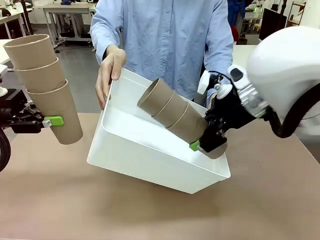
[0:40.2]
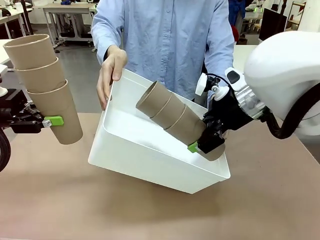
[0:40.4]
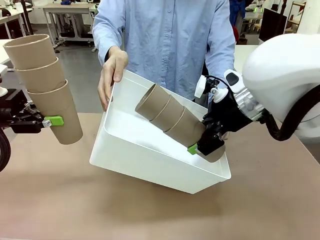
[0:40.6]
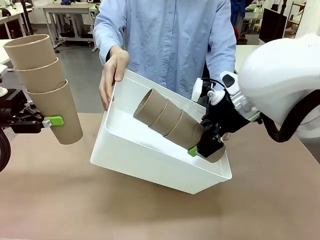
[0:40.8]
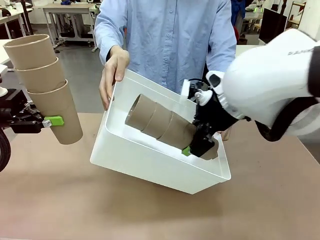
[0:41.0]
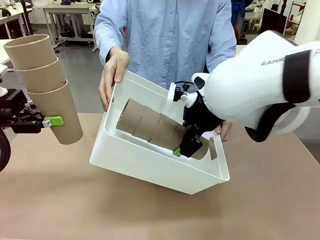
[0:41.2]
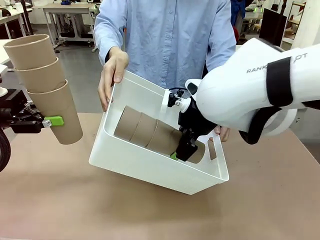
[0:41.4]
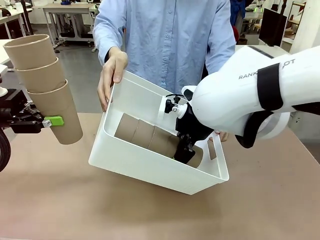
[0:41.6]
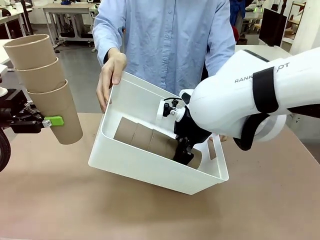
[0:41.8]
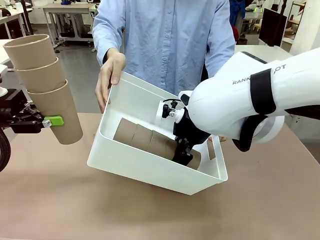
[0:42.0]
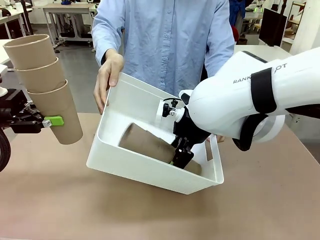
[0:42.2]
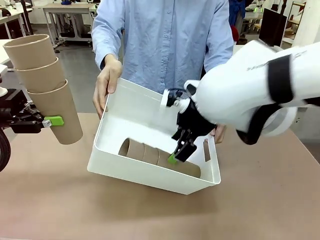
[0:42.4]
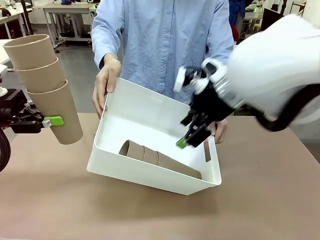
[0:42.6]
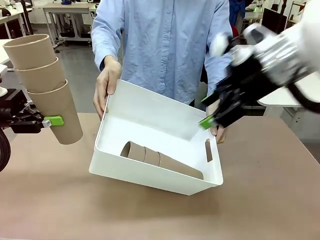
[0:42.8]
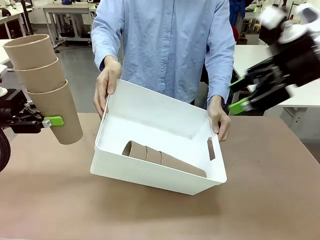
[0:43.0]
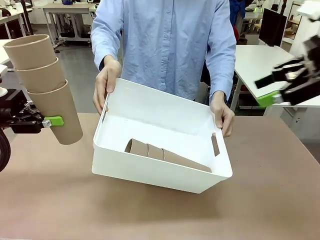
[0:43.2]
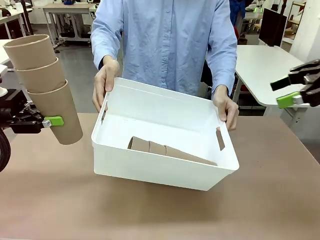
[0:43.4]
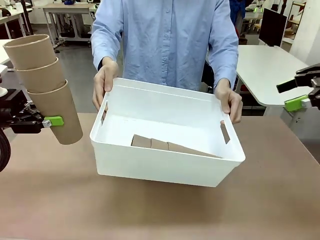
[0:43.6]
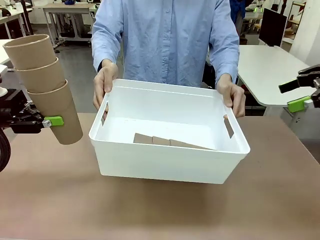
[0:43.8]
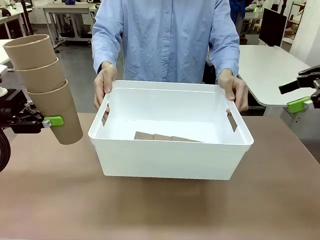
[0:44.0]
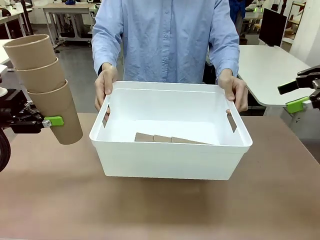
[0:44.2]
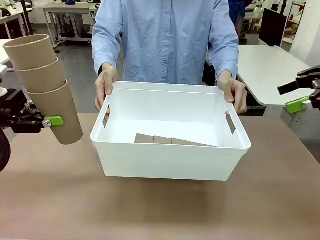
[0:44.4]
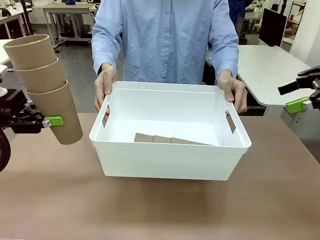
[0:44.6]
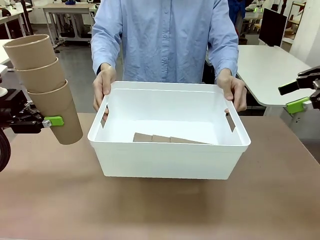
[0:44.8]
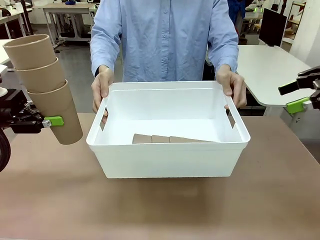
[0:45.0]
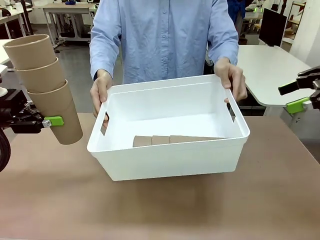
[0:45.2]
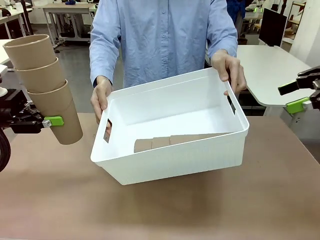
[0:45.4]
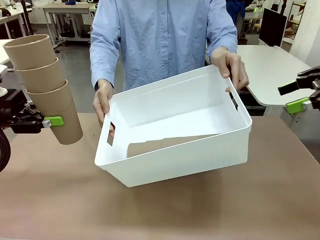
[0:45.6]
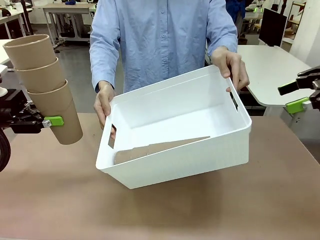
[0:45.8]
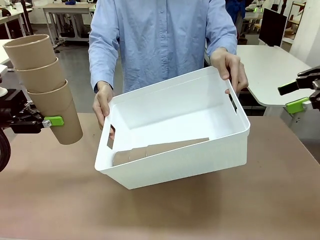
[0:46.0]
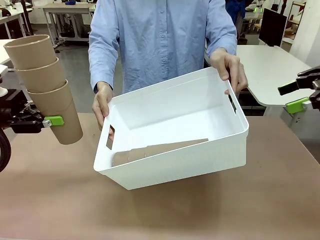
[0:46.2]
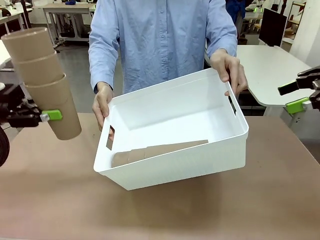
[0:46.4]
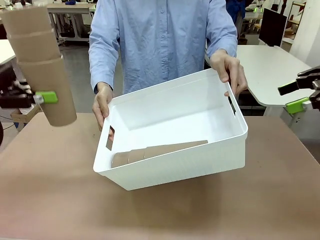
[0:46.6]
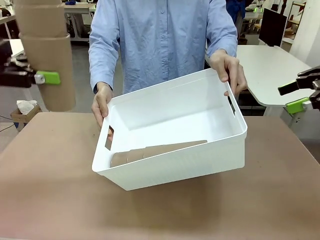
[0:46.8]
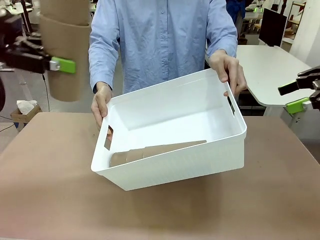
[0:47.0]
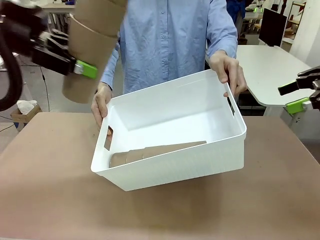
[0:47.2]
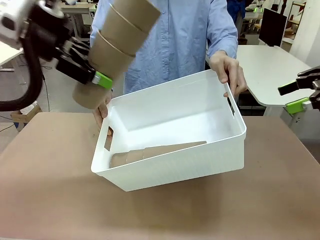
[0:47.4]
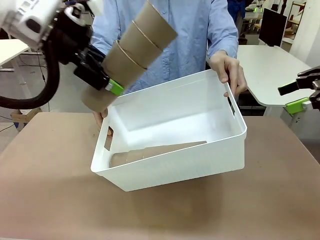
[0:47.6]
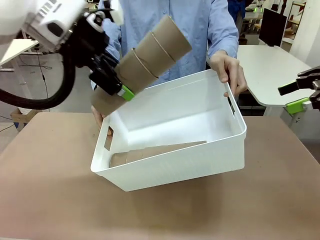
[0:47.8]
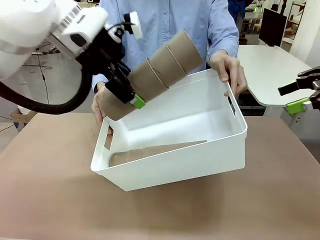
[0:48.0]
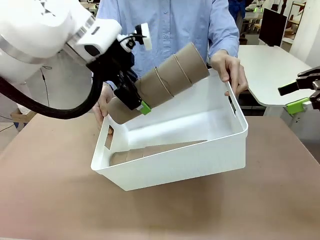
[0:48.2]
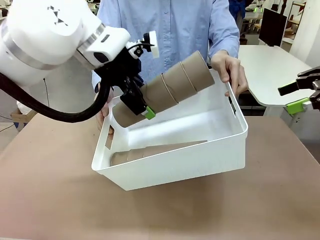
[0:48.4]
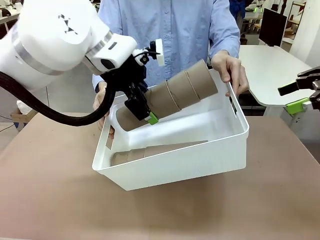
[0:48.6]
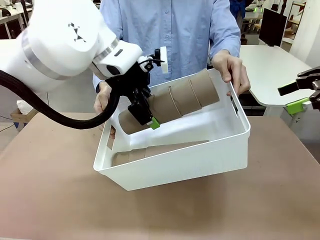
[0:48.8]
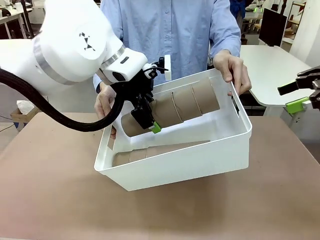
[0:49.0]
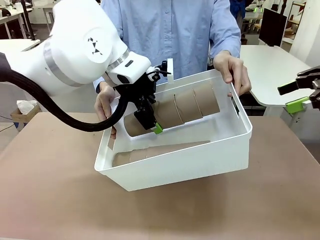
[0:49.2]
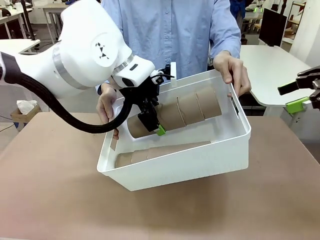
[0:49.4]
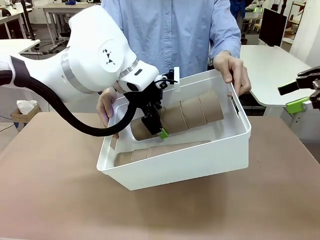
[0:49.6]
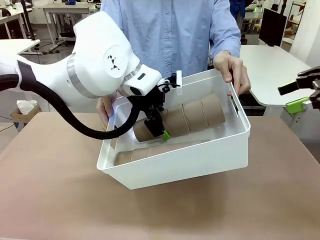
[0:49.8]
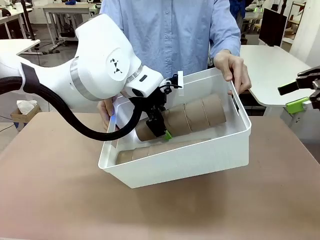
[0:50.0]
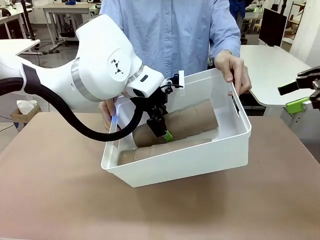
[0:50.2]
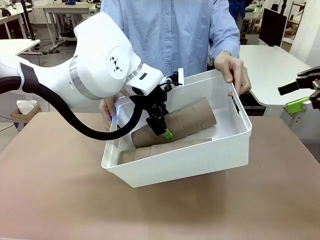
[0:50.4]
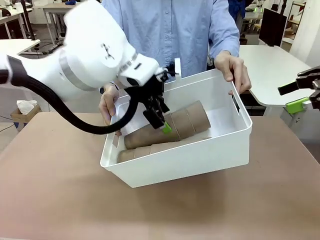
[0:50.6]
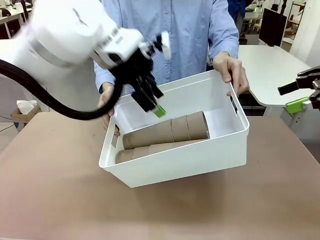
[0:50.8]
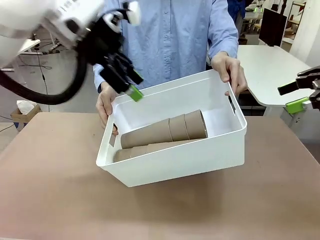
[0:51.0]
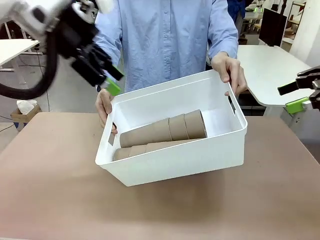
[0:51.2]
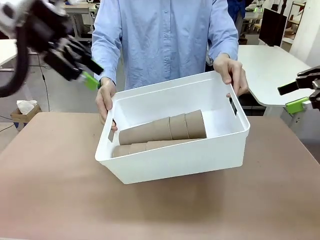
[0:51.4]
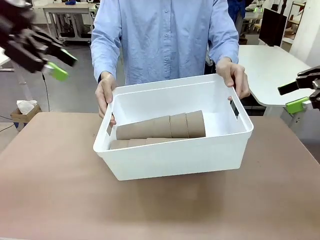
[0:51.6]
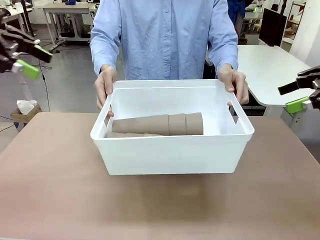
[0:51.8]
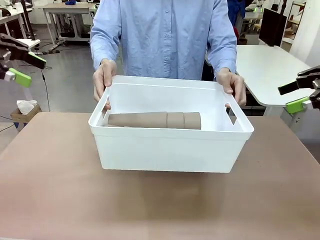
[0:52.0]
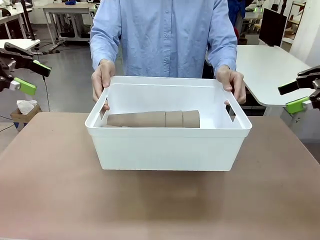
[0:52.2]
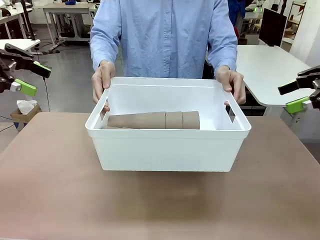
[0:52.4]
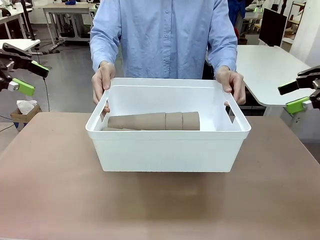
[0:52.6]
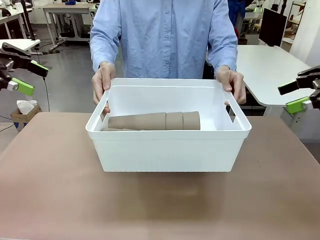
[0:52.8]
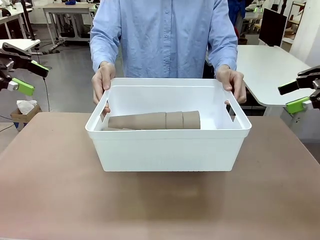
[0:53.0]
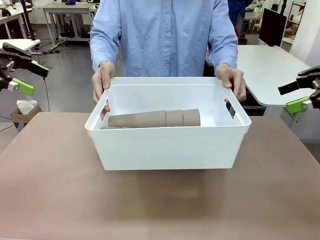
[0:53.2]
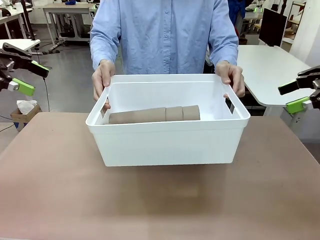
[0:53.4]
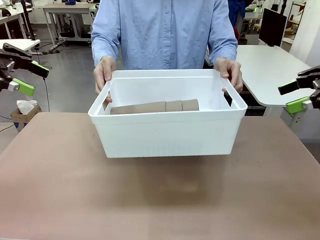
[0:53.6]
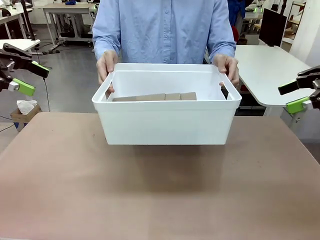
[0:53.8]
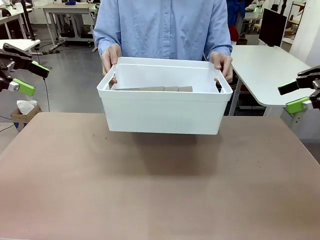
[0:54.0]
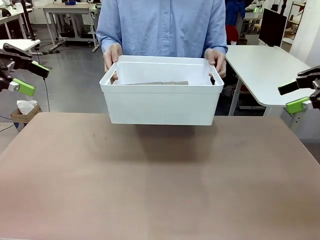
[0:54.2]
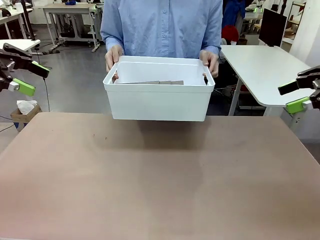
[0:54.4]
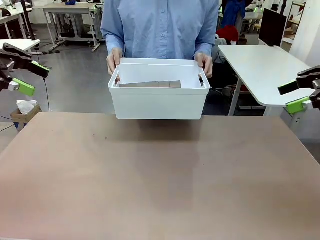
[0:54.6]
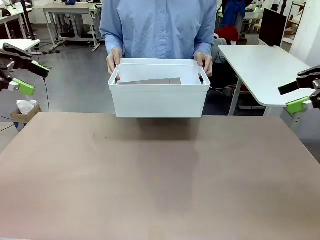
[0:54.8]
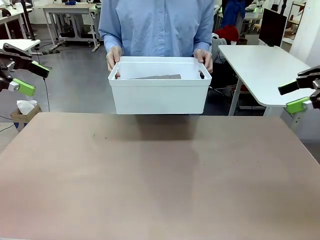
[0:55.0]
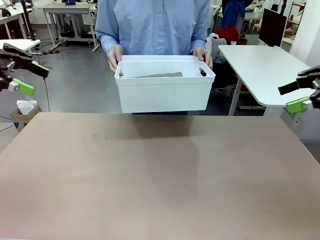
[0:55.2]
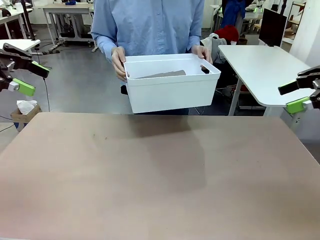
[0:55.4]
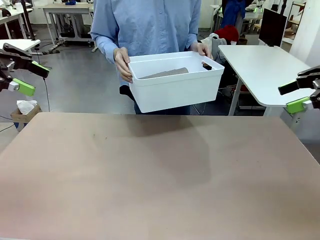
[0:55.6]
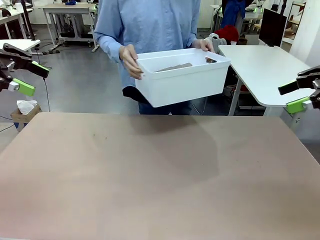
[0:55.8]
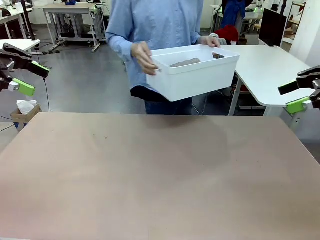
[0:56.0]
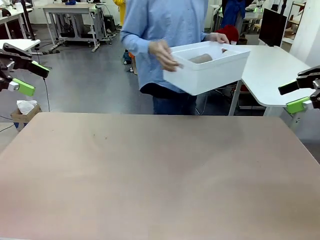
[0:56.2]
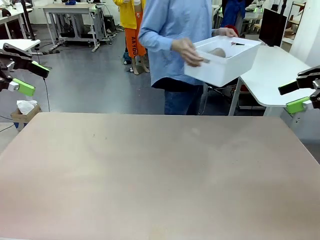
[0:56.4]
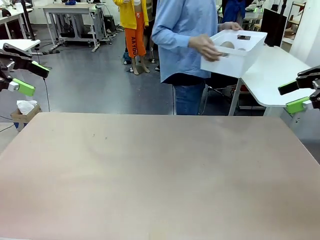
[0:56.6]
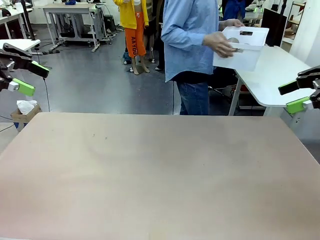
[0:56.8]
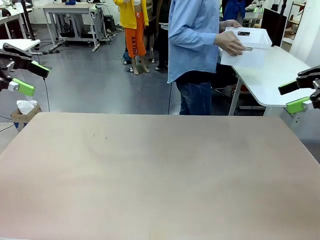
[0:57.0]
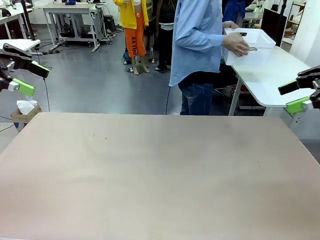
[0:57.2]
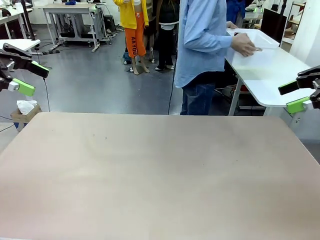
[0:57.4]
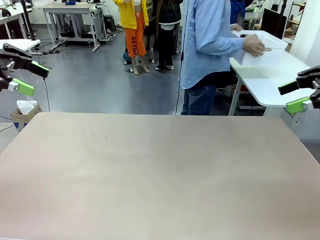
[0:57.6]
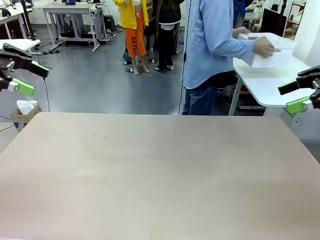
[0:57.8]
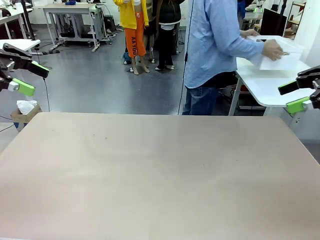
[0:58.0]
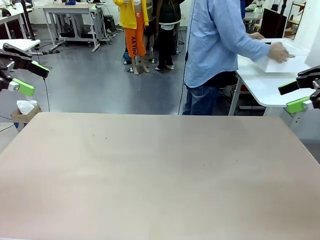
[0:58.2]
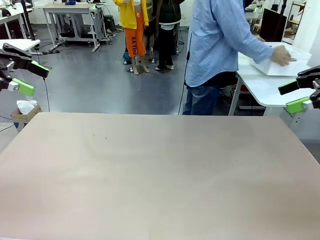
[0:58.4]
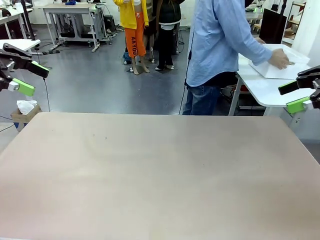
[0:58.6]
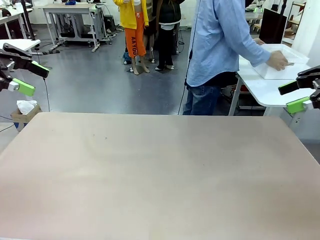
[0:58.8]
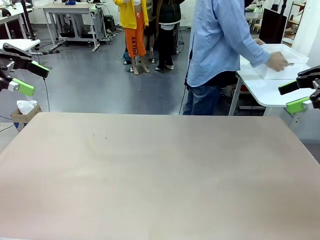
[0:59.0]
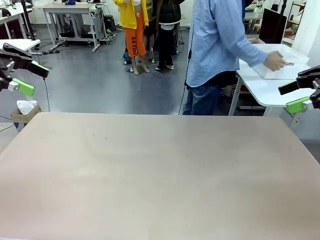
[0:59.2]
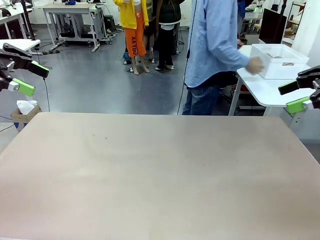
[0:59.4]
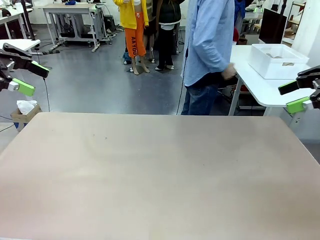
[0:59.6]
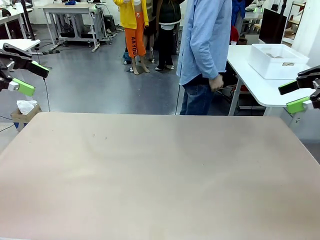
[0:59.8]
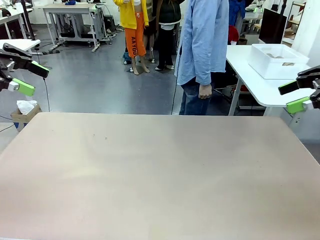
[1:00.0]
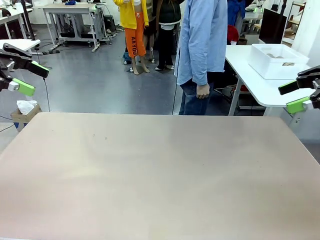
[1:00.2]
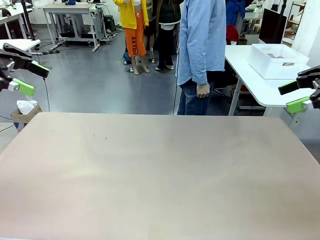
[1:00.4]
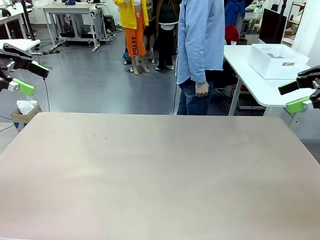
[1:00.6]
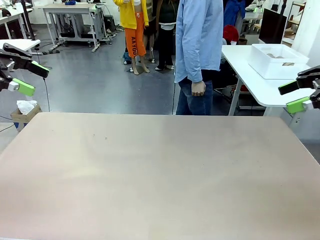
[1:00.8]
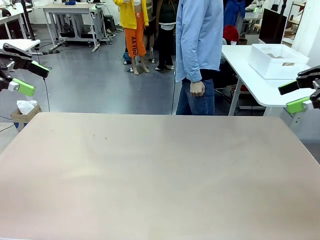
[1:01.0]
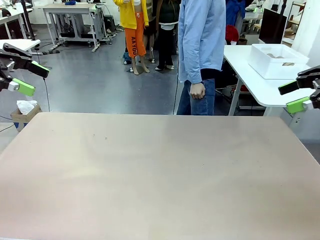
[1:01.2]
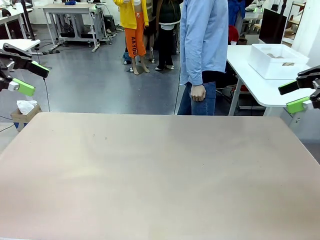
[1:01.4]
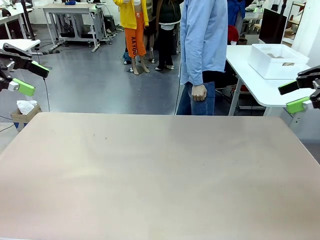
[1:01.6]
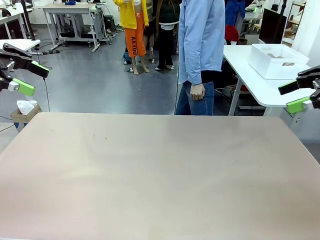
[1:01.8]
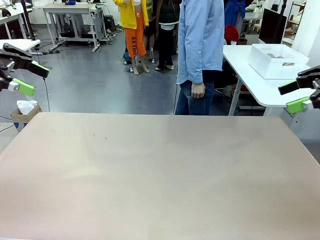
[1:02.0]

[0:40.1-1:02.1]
Task: Stack the cups and store them in the basket.
Robot: Place the stack of Reusable plastic cups into the Pantry Basket.
Person: Place the basket containing the cups in the middle of the Human Table.
